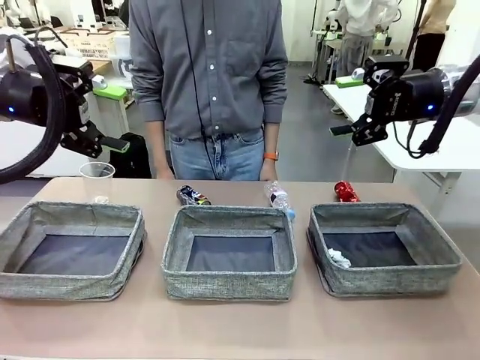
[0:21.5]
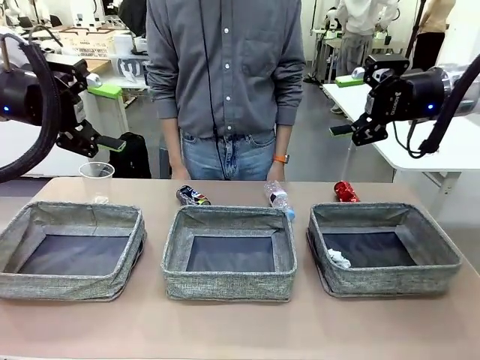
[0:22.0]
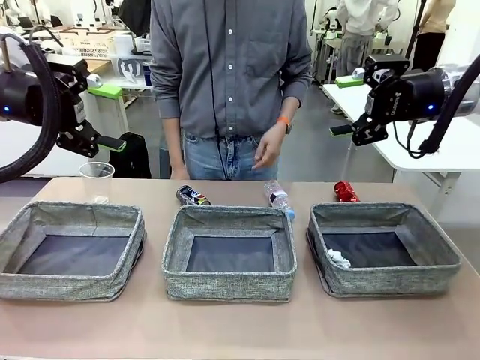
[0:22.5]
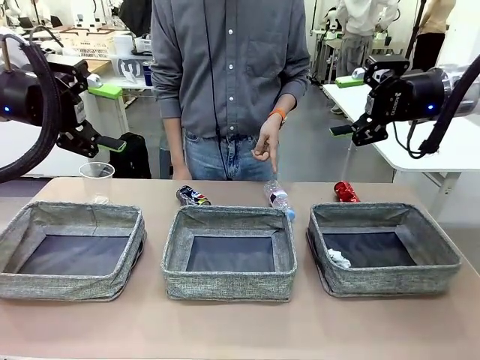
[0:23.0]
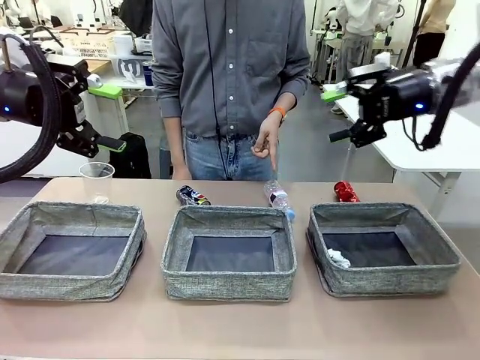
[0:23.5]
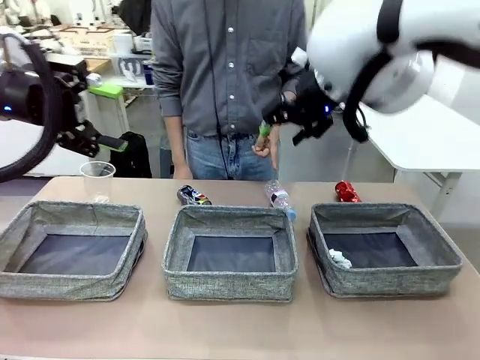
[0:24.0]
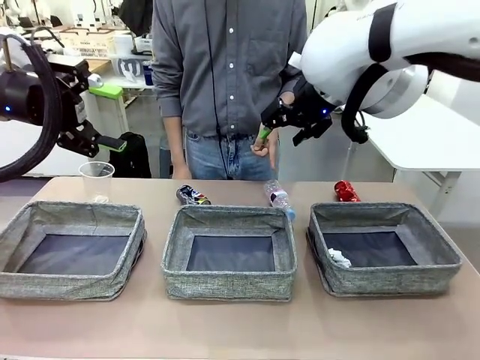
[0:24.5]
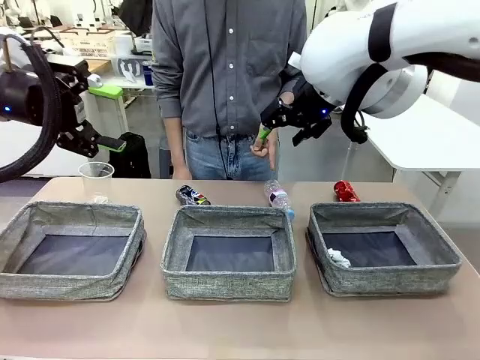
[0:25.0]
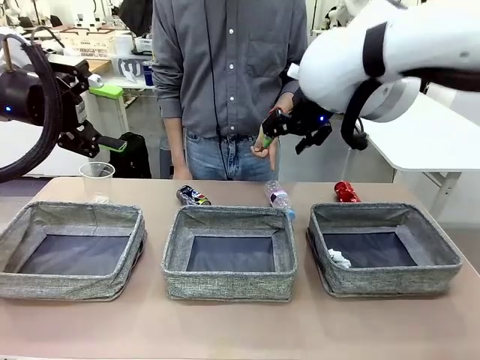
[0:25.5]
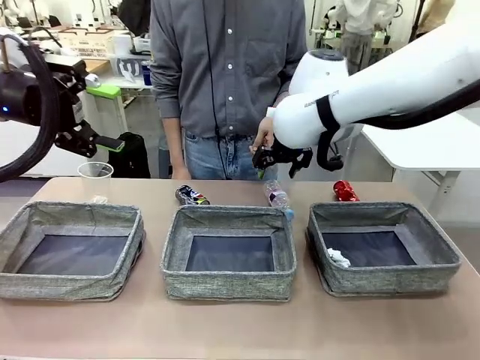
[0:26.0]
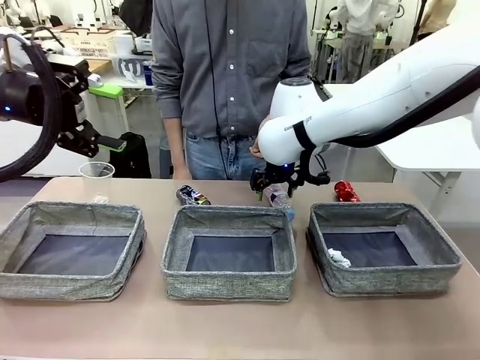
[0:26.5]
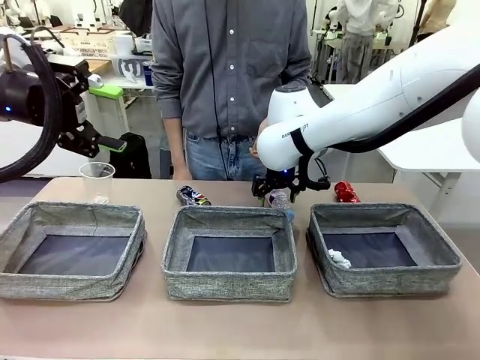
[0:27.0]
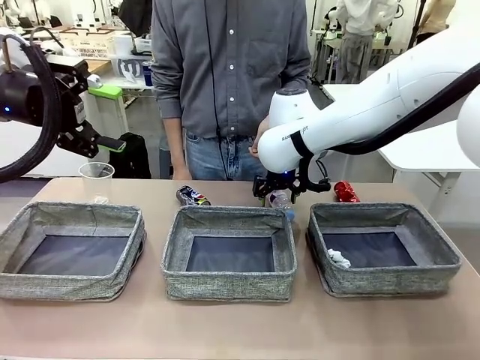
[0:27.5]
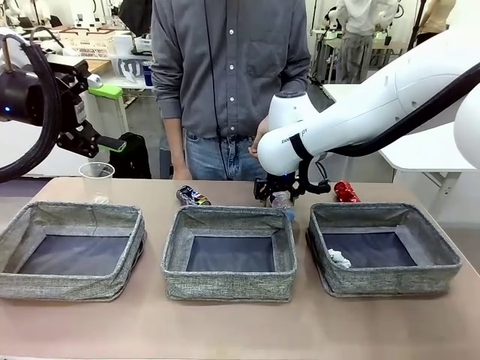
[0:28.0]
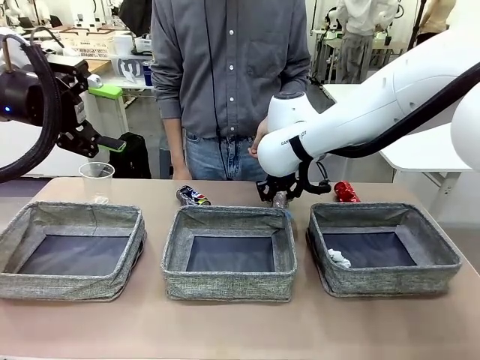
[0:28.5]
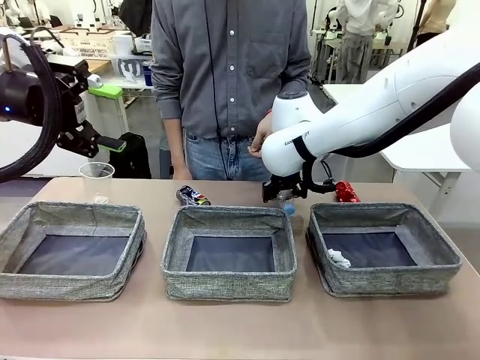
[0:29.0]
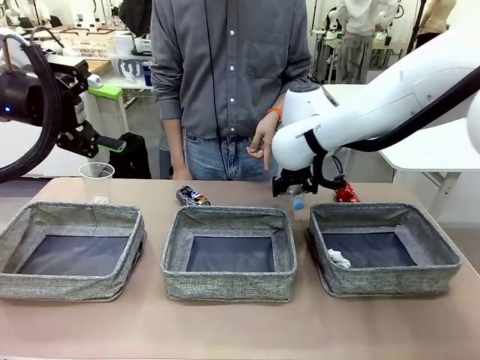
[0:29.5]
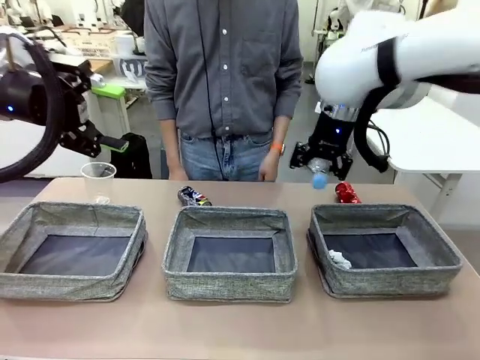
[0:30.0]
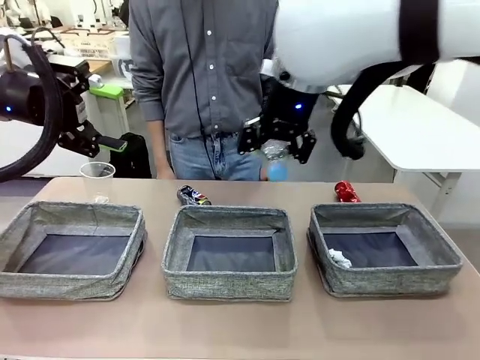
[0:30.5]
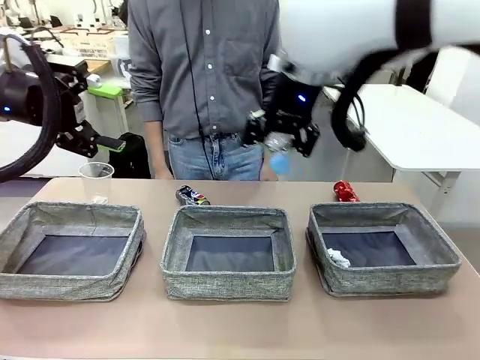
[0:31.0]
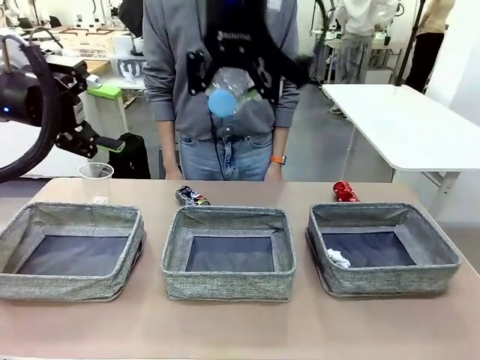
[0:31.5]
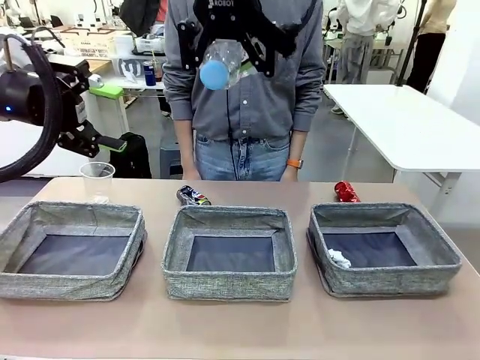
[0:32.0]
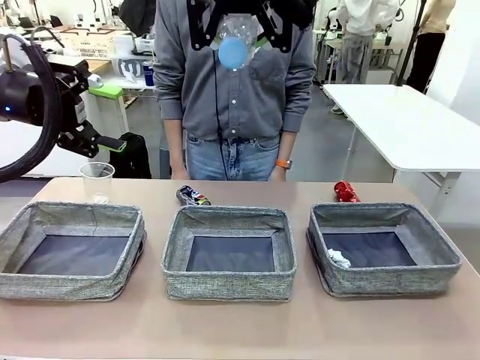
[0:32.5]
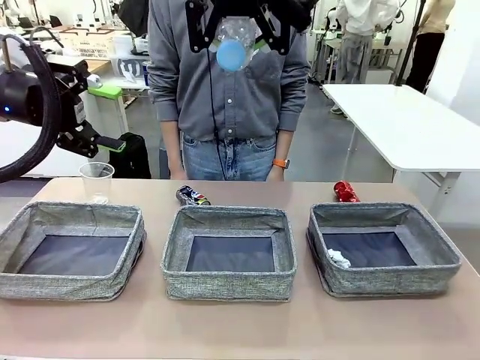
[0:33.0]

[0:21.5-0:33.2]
Task: Sort the waste into the appropriate baskets.
Robot: Pick up the waste item pointed out by the person.
Person: Points to one piece of trash on the table.

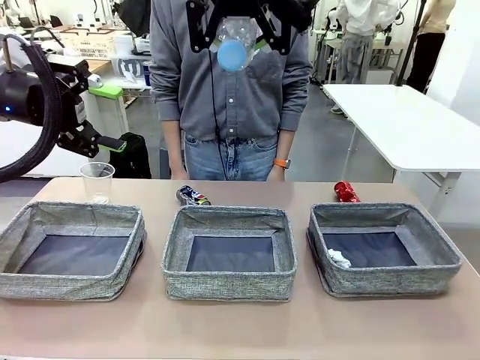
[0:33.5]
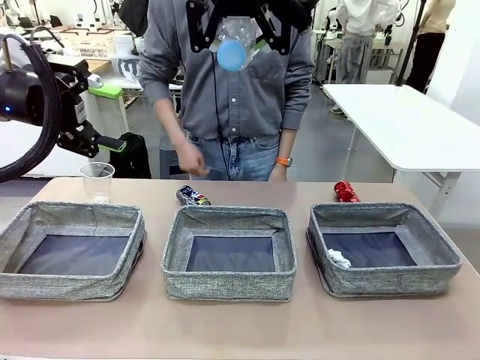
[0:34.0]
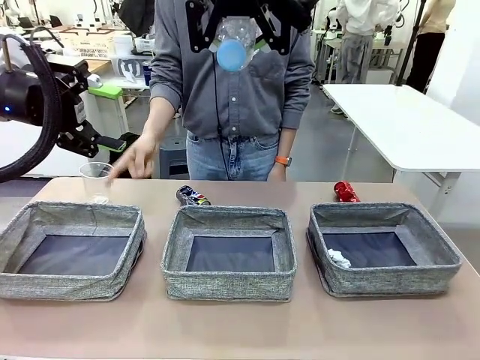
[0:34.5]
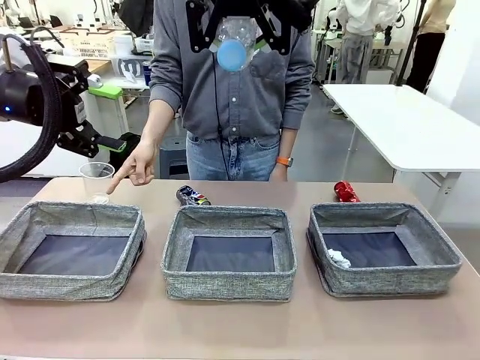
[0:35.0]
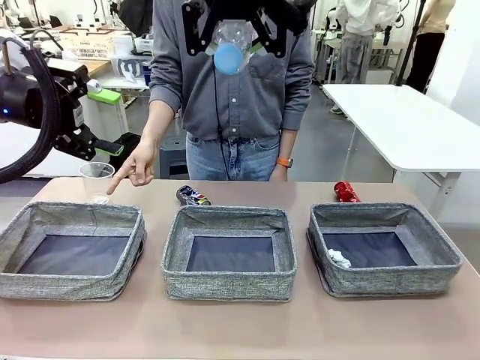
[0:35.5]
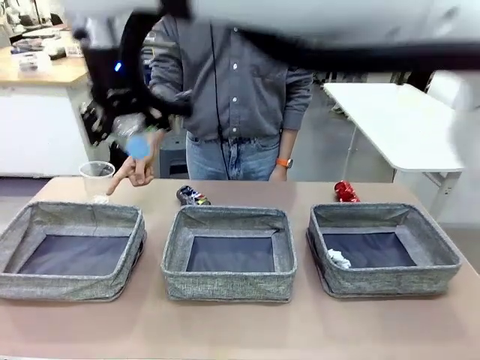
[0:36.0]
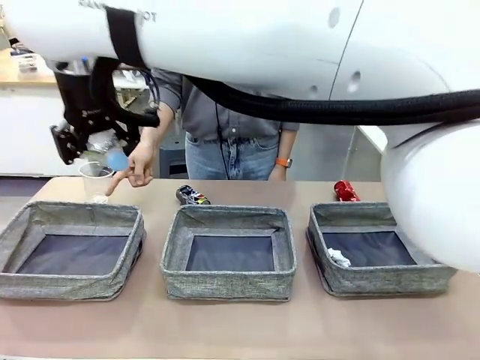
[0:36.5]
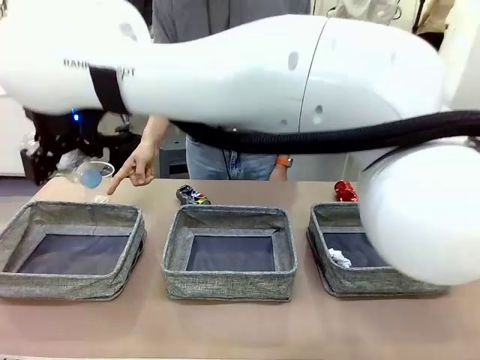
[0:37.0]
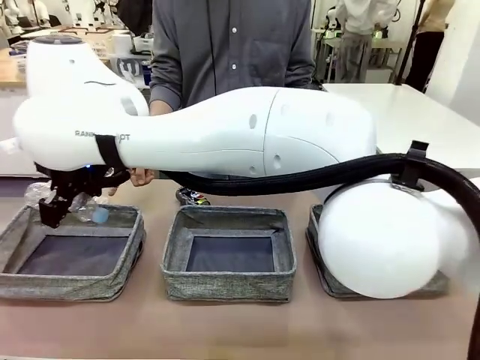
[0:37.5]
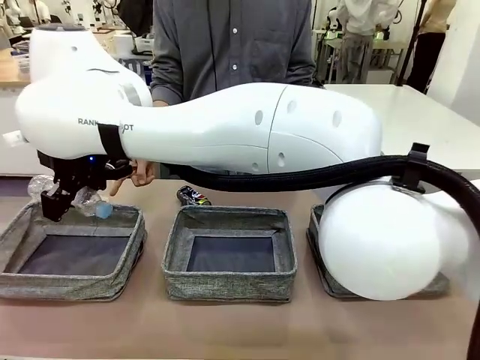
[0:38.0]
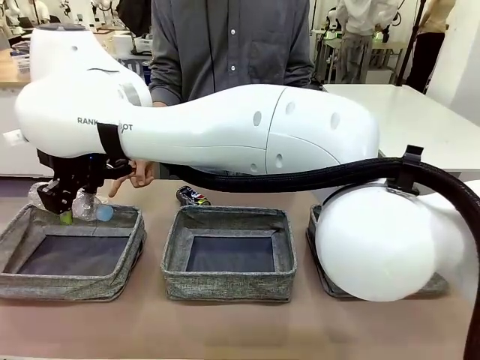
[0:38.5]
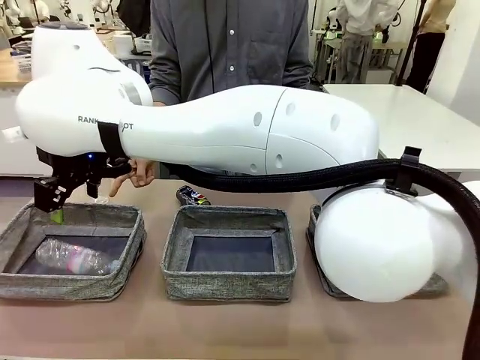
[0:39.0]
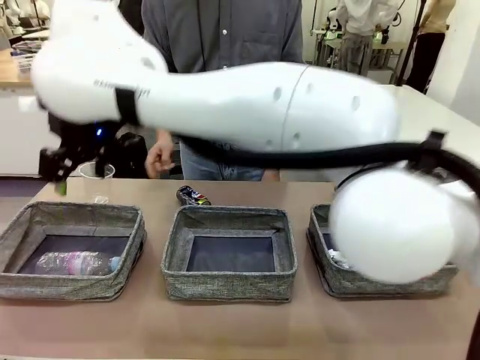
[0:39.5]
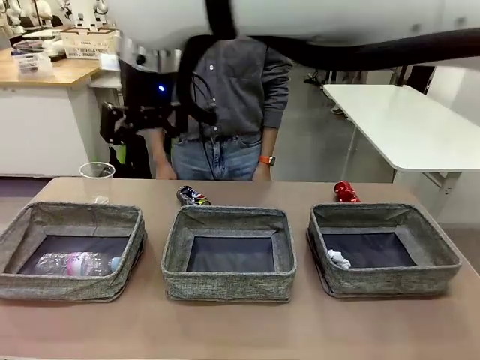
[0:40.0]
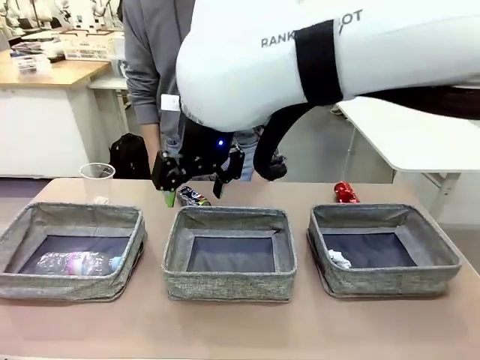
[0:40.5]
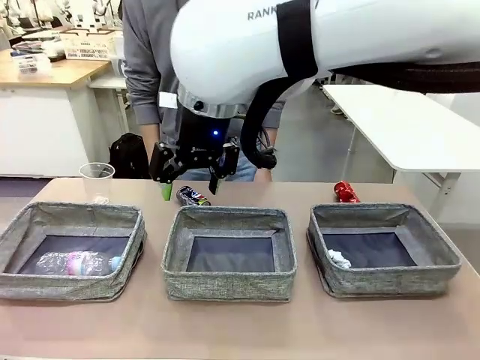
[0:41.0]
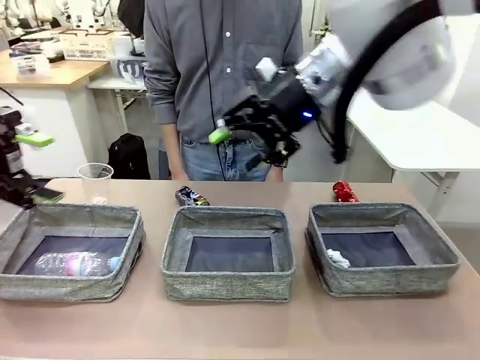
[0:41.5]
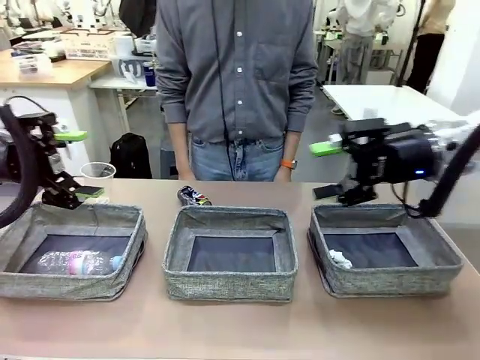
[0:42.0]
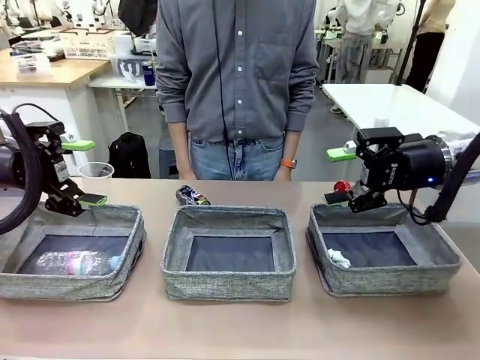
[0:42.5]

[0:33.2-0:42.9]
Robot: Place the picked waste into the Fabric basket indicated by the person.
Person: Instructs the robot to place the picked-up trash into the appropriate organizing basket.

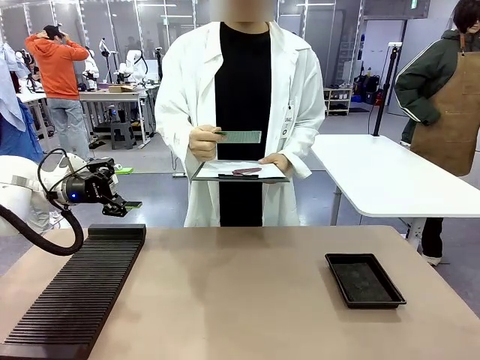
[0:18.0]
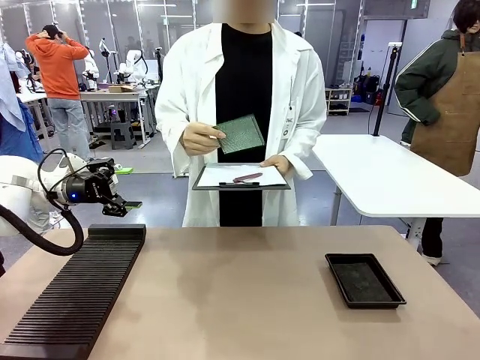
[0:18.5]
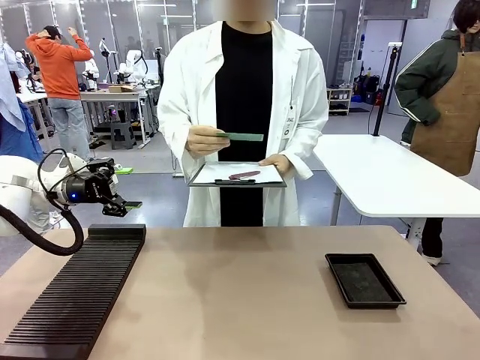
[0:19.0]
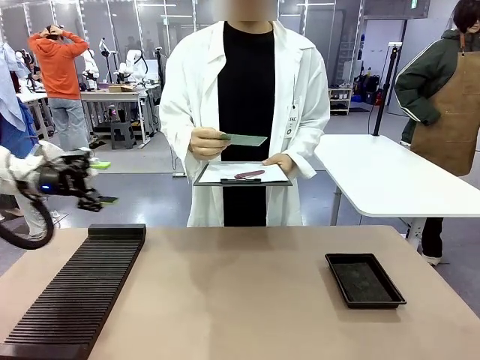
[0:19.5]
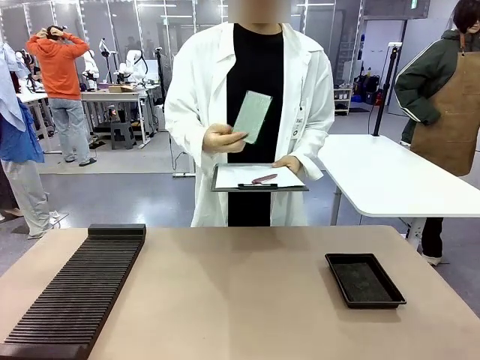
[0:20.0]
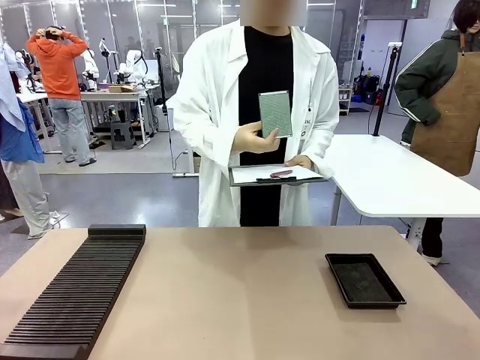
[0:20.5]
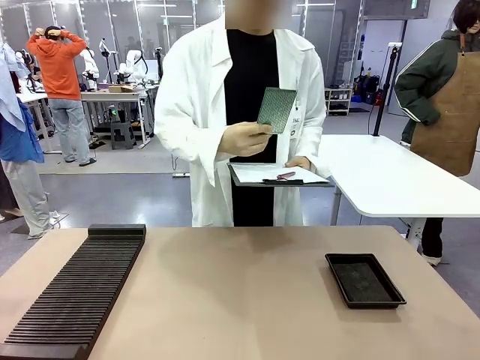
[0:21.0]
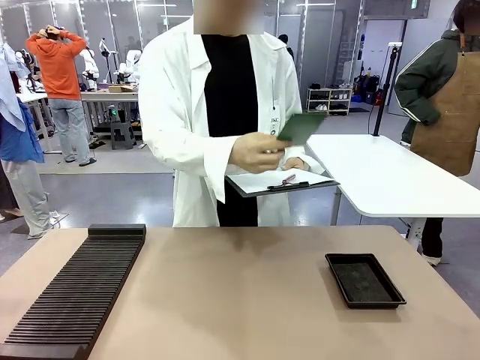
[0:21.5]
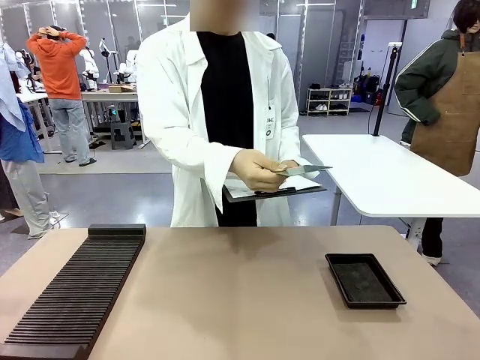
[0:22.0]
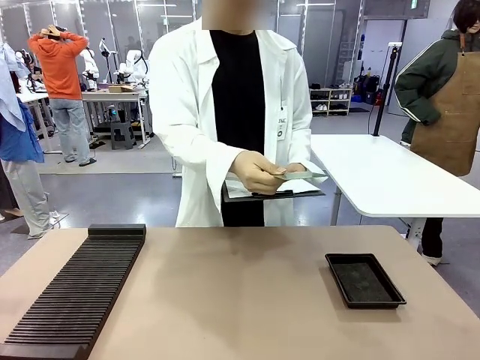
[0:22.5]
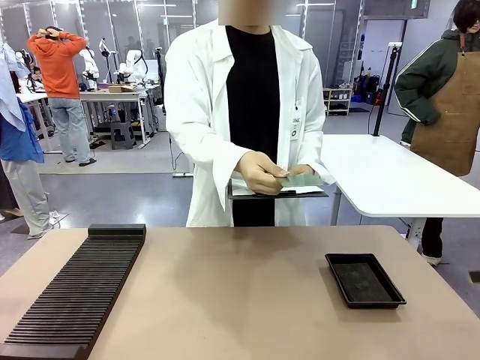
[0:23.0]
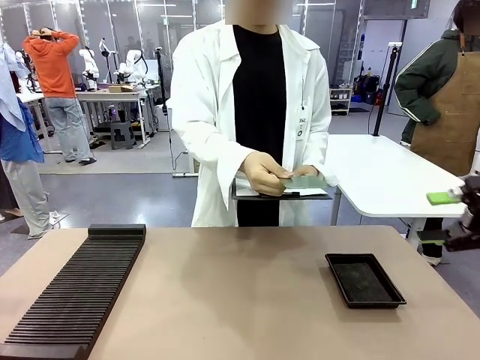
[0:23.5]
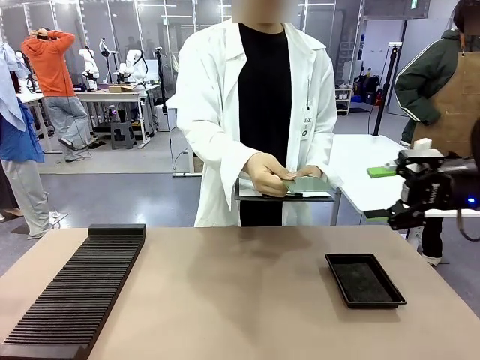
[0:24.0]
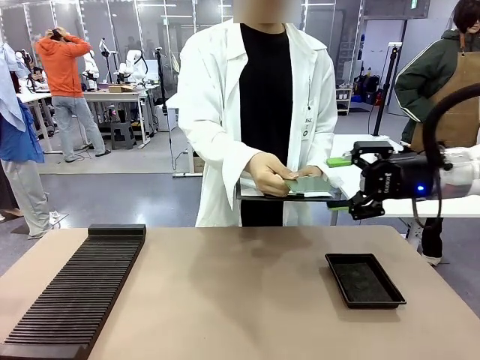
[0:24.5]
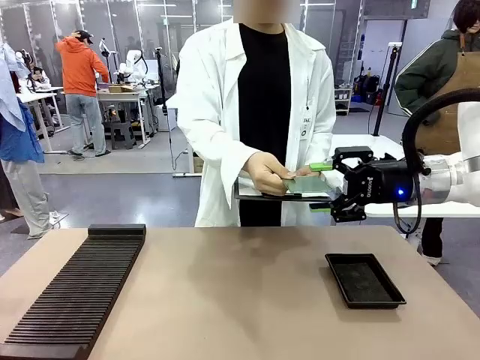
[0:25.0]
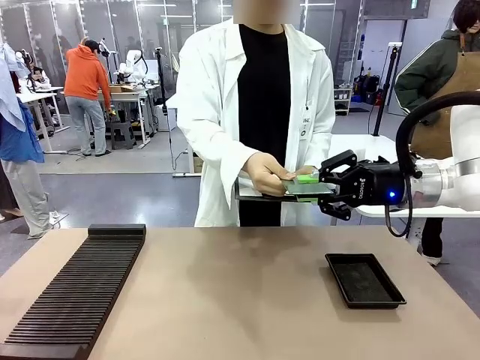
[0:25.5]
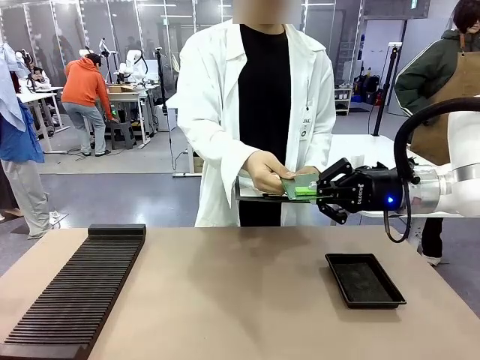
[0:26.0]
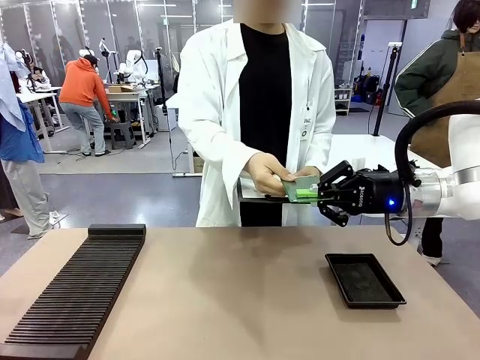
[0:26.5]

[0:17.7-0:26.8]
Task: Inspect the PCB.
Robot: Pick up the Blank PCB that the human is holding.
Person: Inspect the PCB placed by the robot, then hold it out in front of the robot. Release the PCB you were holding.
